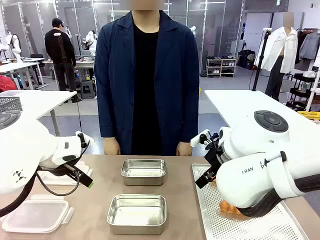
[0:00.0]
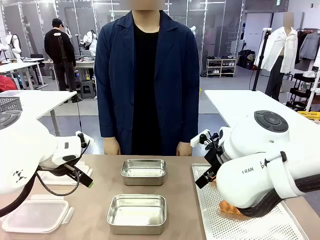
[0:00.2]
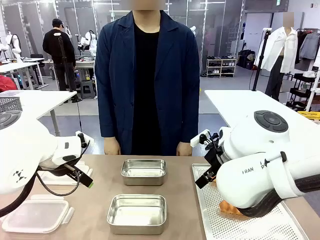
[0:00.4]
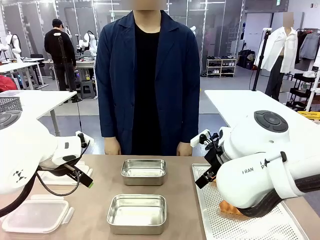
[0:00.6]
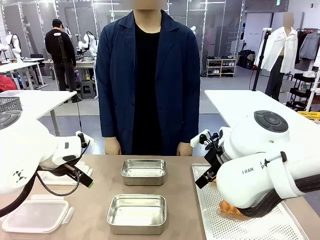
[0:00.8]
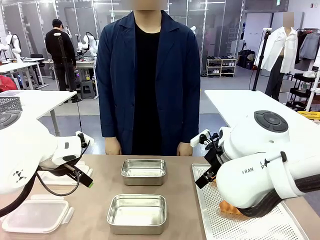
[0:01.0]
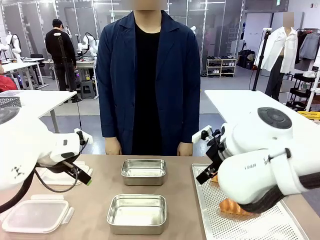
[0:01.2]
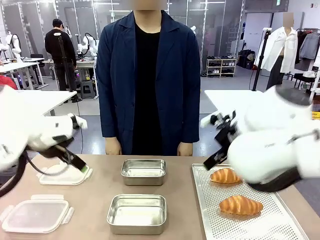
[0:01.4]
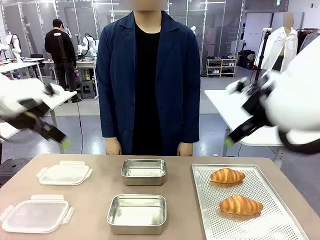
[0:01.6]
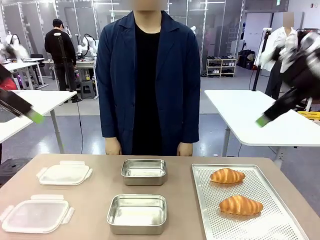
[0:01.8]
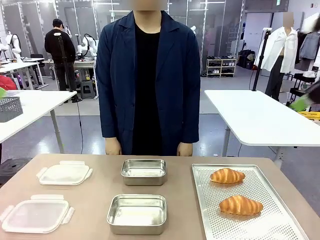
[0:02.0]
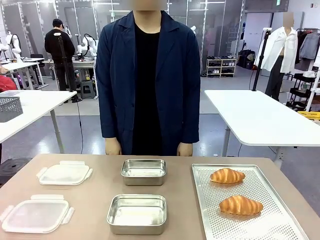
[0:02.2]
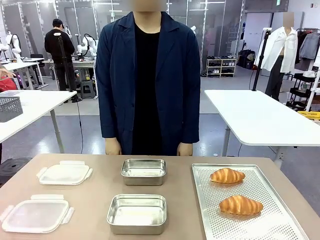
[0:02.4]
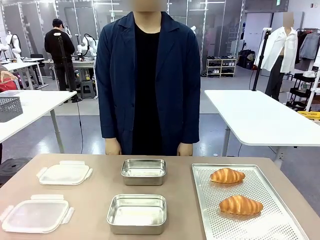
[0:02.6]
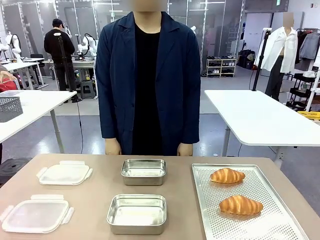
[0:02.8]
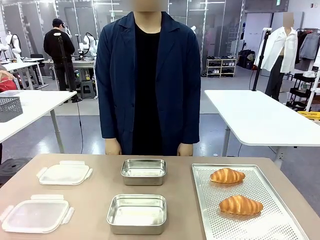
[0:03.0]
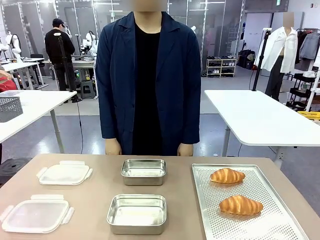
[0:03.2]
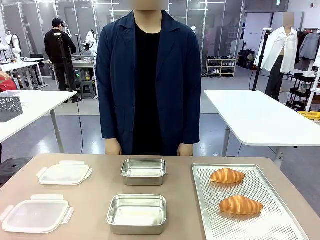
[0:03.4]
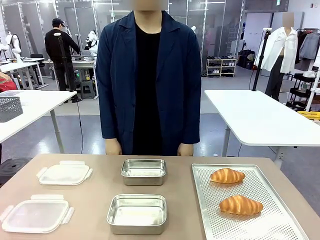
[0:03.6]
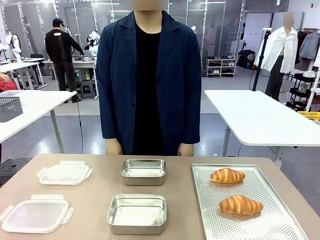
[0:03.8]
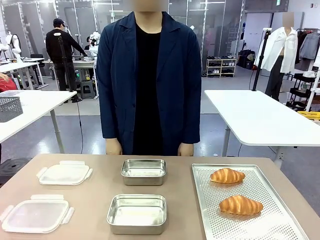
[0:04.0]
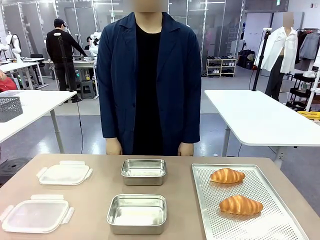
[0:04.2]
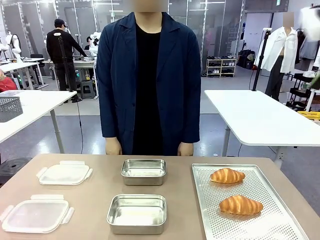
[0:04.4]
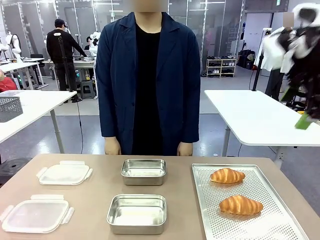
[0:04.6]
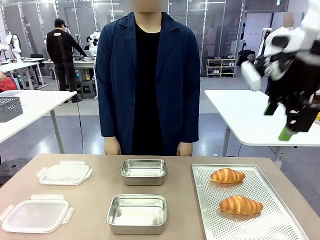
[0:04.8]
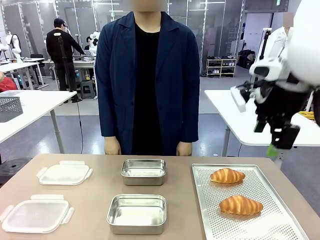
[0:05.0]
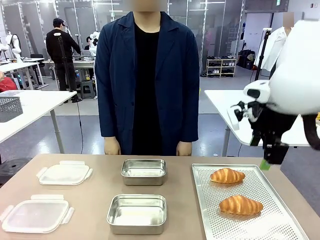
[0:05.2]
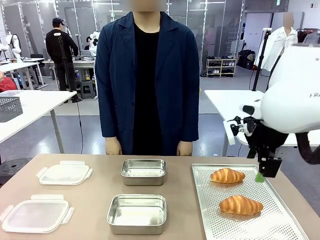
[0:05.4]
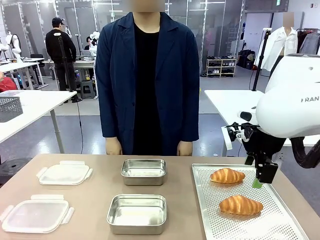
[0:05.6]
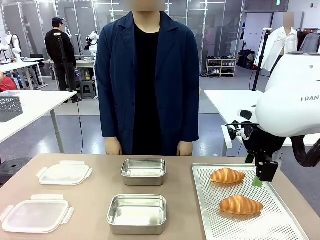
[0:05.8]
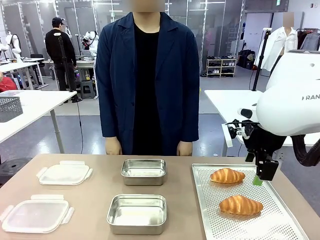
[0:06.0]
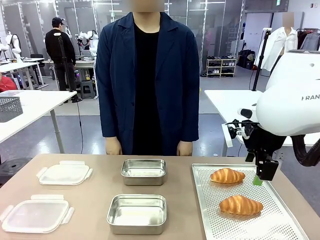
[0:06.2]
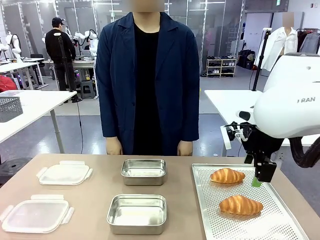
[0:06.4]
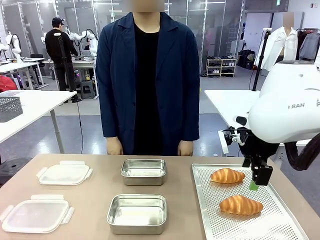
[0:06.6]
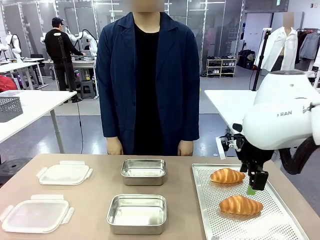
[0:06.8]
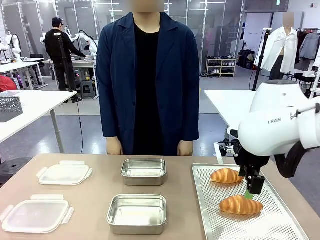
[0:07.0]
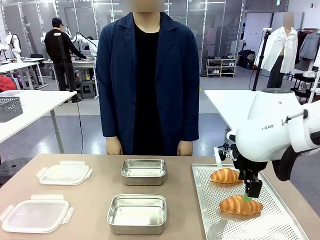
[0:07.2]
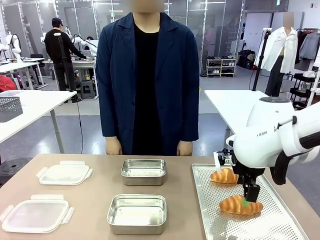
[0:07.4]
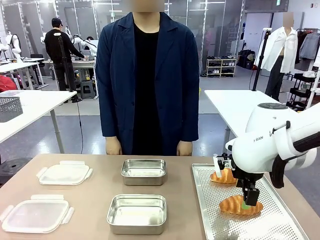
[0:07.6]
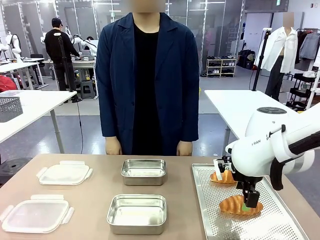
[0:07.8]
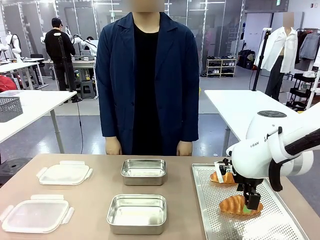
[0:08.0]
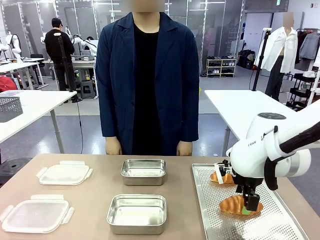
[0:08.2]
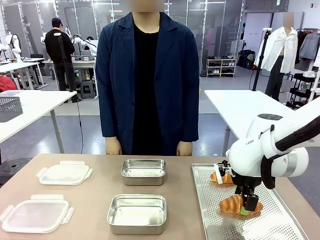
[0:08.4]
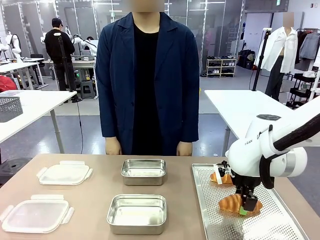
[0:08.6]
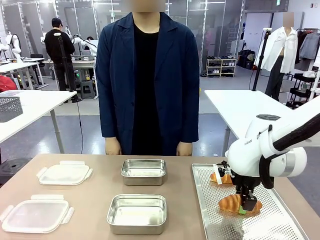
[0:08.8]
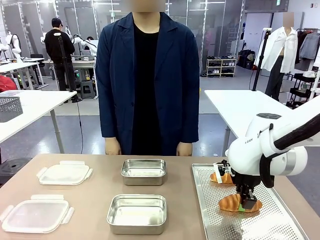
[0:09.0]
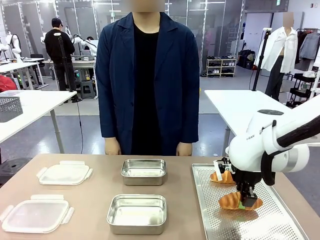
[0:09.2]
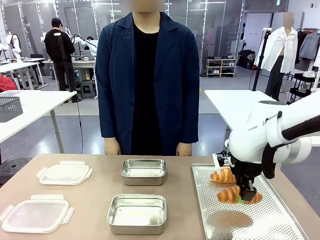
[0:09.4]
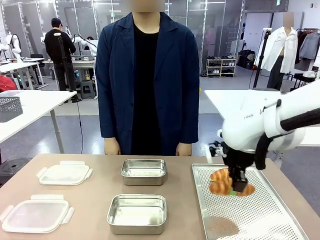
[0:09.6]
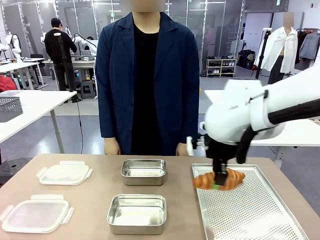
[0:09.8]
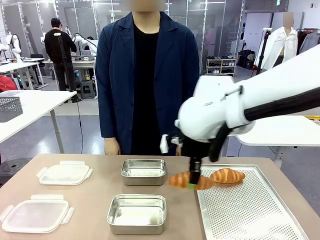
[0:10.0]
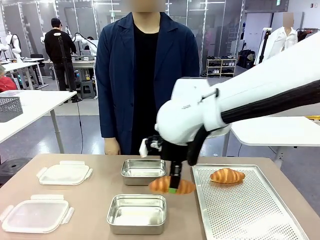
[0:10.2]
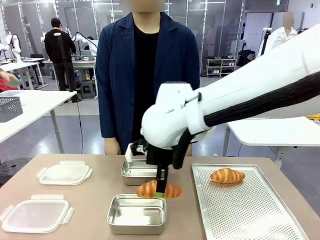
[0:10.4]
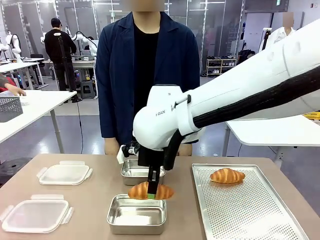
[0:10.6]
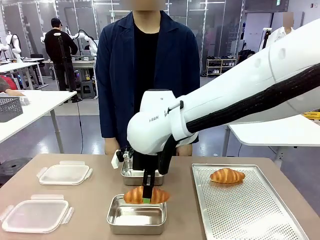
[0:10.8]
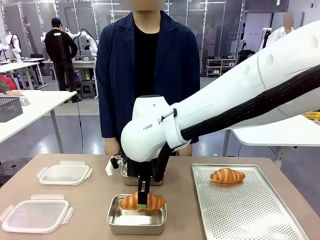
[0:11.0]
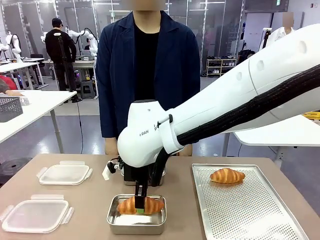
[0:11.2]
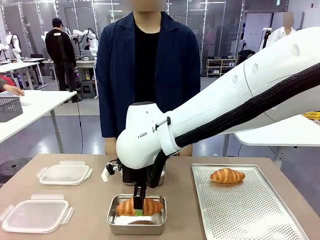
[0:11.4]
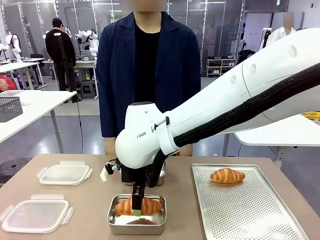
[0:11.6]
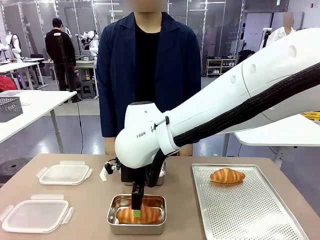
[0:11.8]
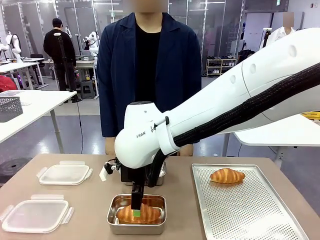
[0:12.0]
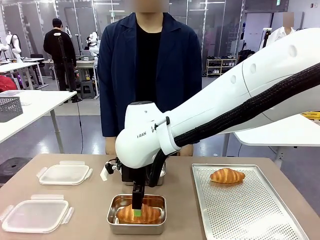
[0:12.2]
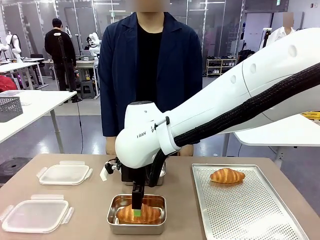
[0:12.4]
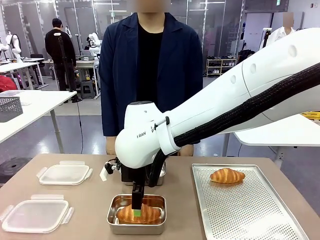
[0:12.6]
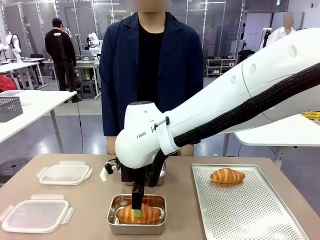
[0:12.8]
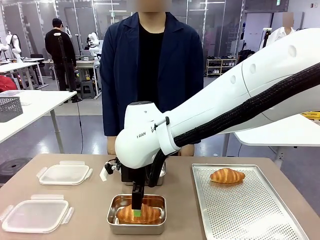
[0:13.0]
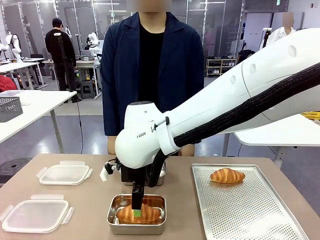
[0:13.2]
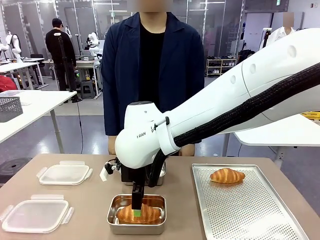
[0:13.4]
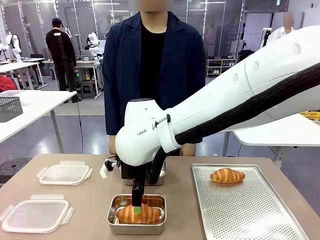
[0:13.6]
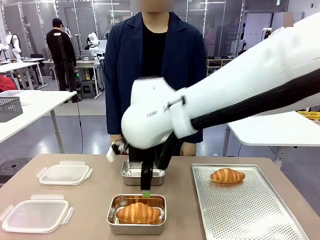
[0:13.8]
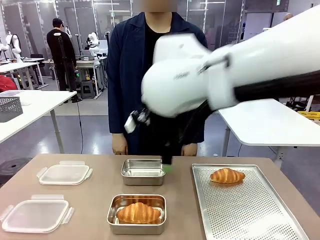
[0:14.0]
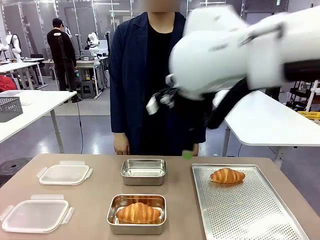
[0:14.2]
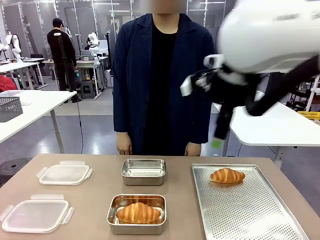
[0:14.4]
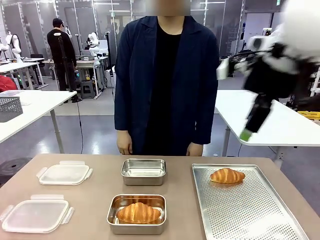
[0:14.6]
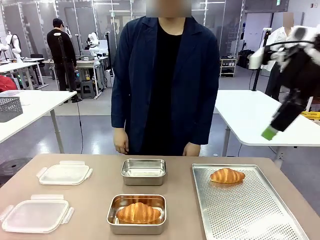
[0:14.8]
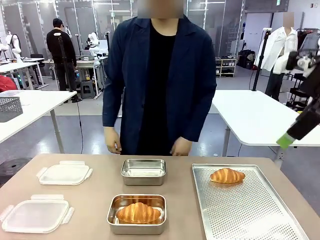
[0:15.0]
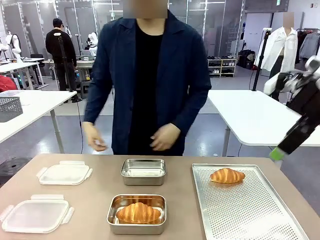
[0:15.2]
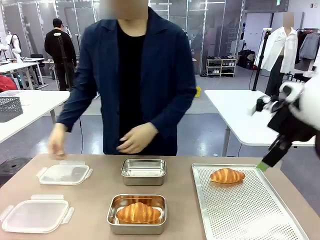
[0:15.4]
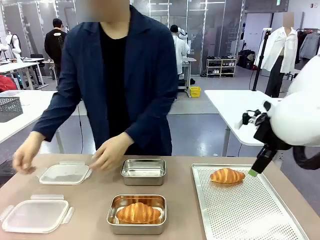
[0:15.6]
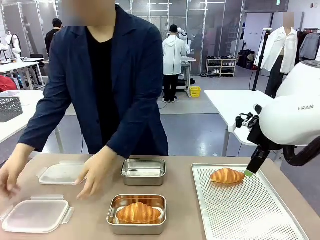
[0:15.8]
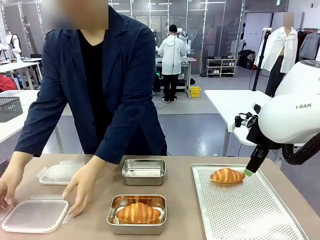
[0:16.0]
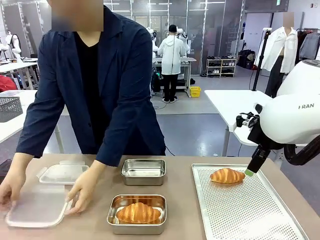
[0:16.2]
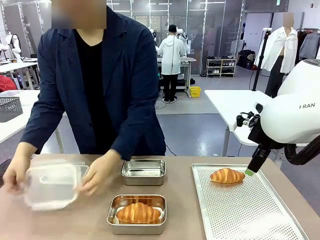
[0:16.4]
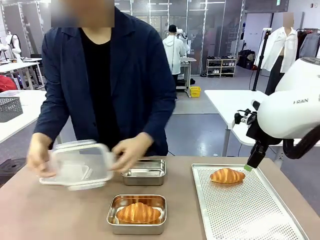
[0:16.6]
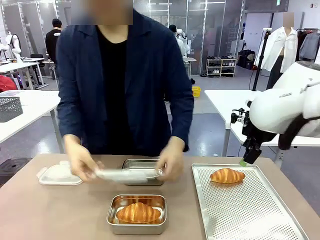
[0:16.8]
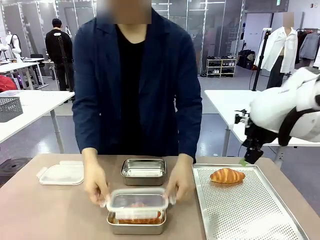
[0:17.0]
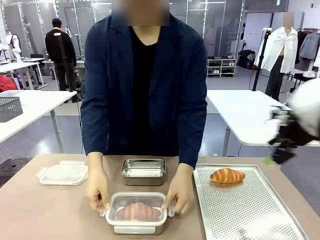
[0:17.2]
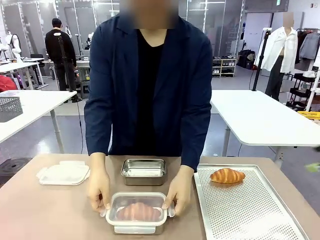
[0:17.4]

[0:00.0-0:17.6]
Task: Place the bread into the airtight container.
Robot: Pick up a Butter Roll and place it into an empty Airtight Container.
